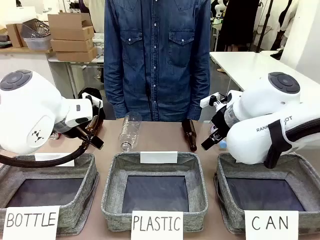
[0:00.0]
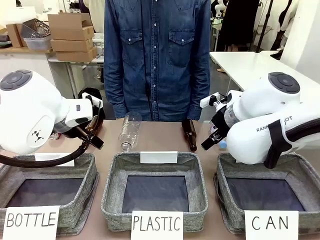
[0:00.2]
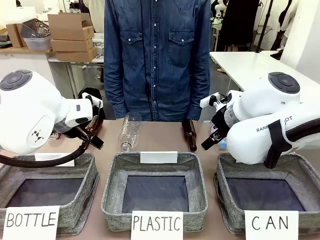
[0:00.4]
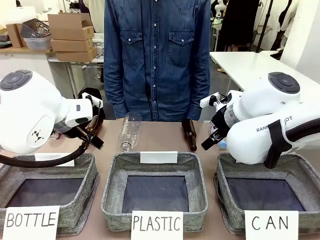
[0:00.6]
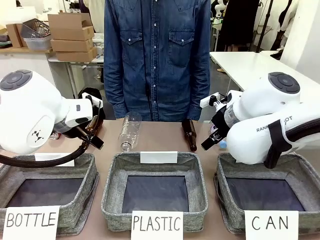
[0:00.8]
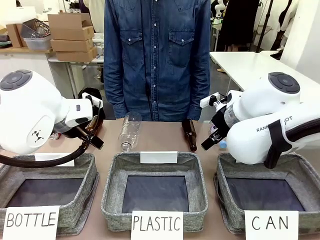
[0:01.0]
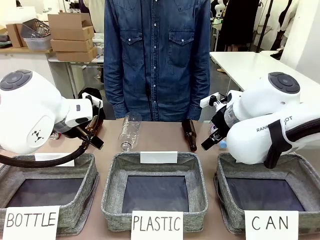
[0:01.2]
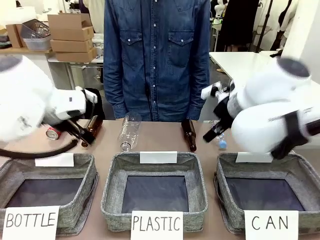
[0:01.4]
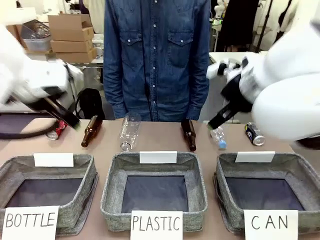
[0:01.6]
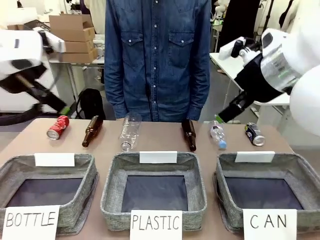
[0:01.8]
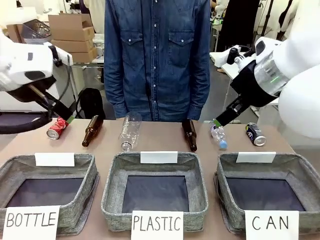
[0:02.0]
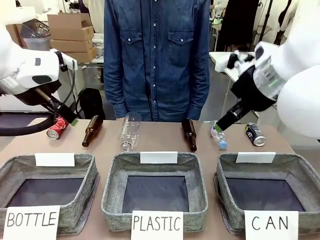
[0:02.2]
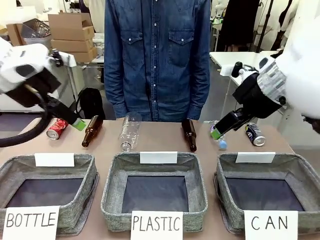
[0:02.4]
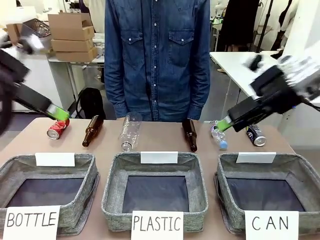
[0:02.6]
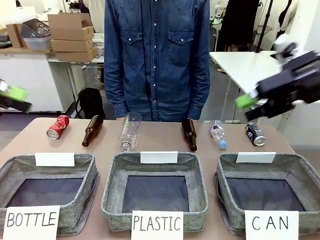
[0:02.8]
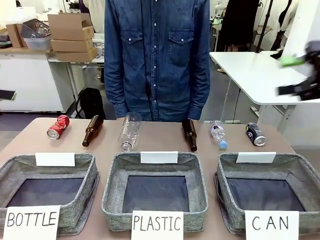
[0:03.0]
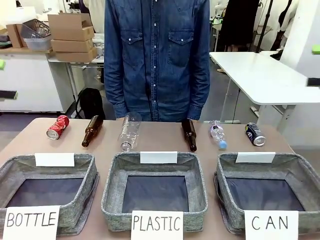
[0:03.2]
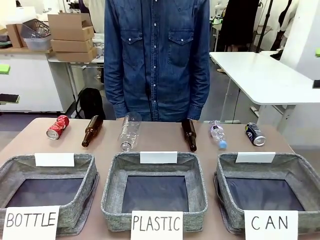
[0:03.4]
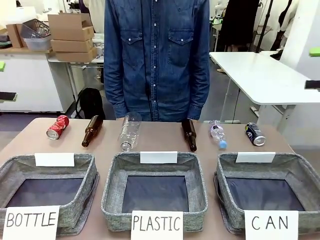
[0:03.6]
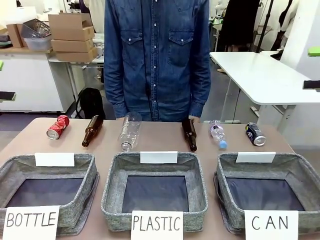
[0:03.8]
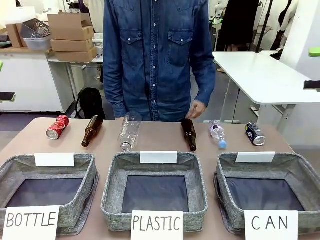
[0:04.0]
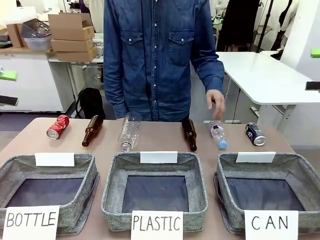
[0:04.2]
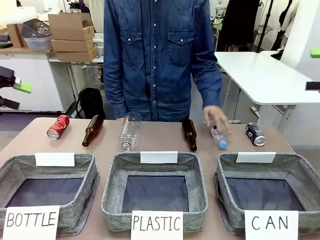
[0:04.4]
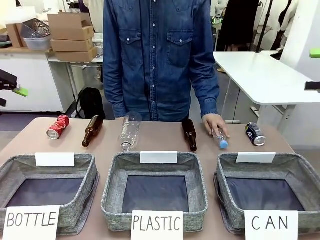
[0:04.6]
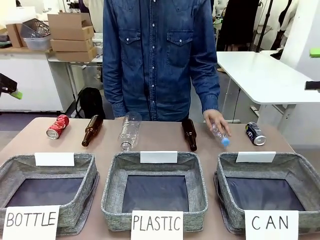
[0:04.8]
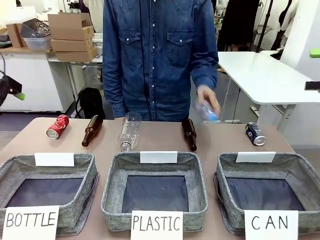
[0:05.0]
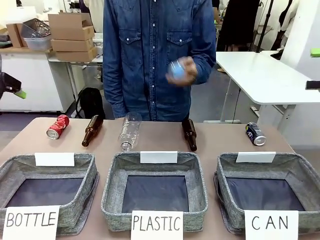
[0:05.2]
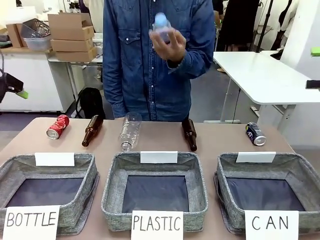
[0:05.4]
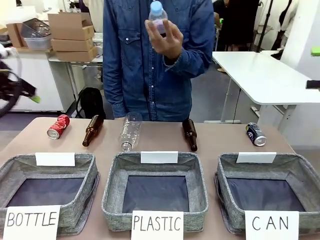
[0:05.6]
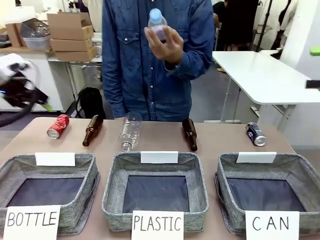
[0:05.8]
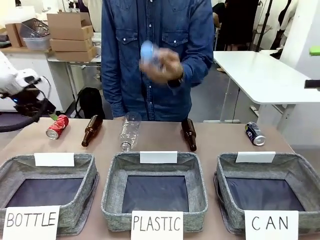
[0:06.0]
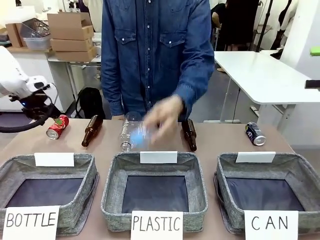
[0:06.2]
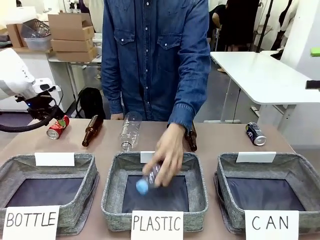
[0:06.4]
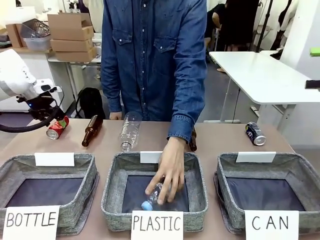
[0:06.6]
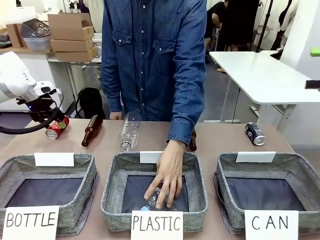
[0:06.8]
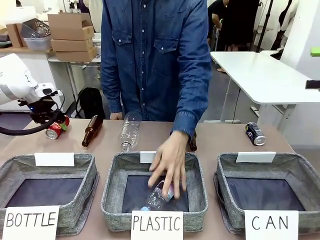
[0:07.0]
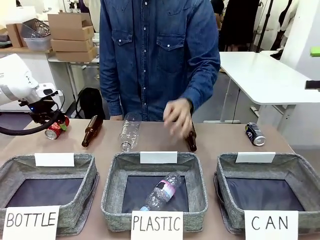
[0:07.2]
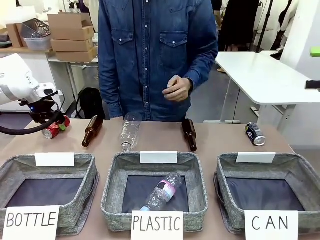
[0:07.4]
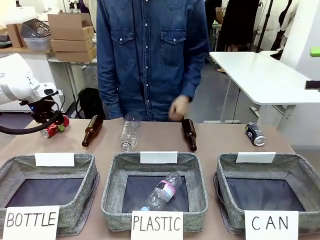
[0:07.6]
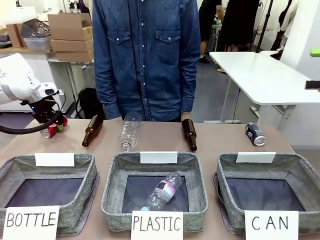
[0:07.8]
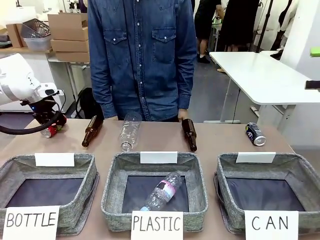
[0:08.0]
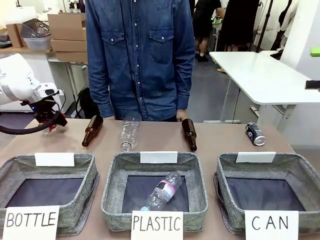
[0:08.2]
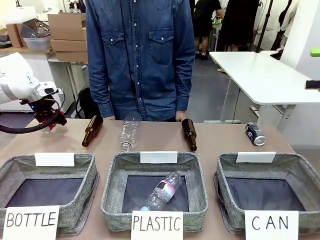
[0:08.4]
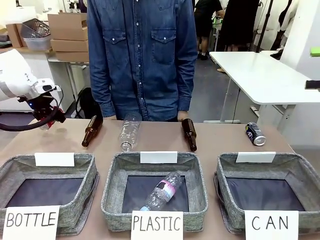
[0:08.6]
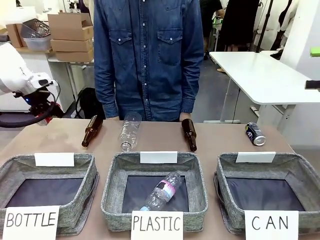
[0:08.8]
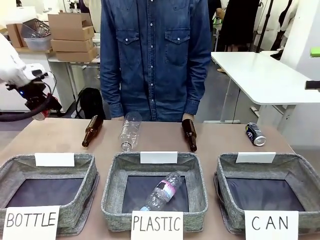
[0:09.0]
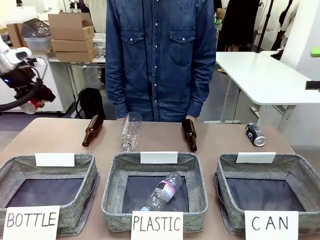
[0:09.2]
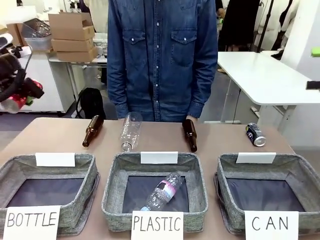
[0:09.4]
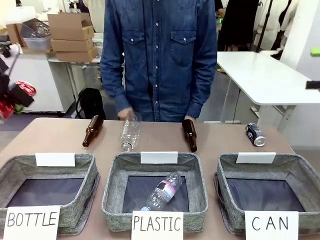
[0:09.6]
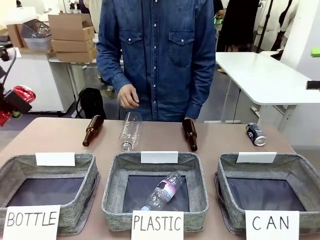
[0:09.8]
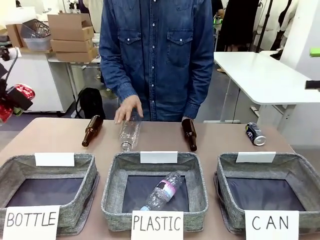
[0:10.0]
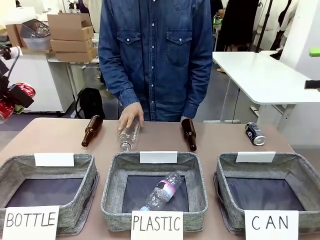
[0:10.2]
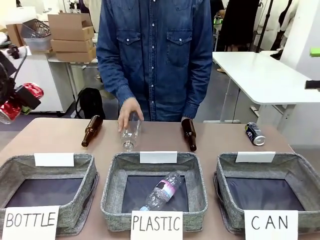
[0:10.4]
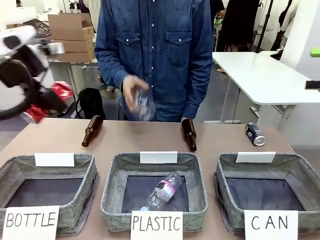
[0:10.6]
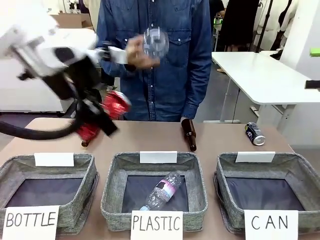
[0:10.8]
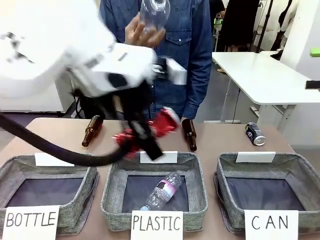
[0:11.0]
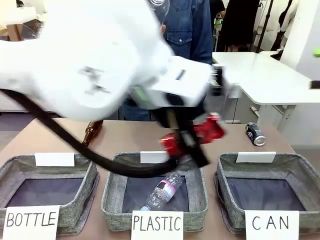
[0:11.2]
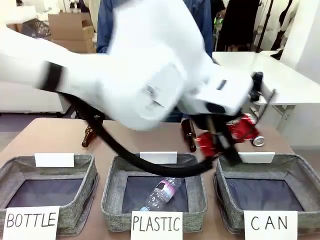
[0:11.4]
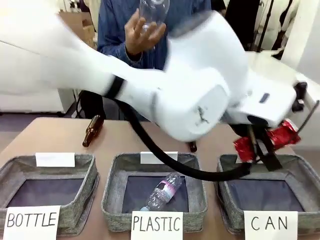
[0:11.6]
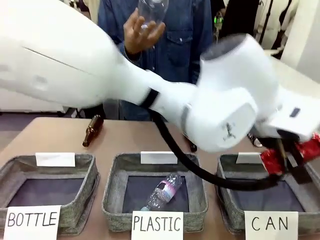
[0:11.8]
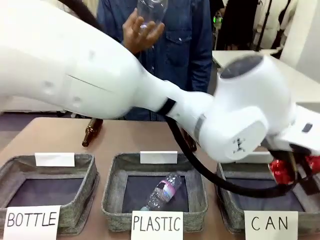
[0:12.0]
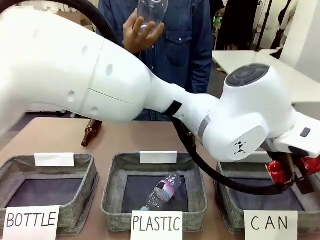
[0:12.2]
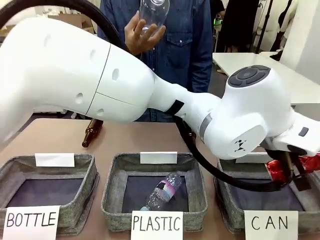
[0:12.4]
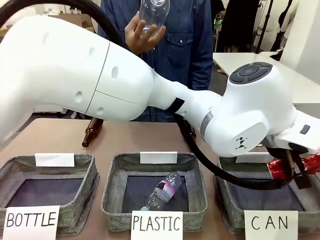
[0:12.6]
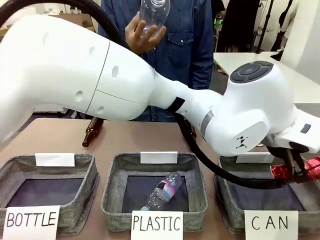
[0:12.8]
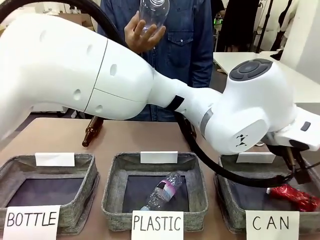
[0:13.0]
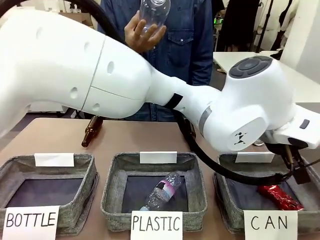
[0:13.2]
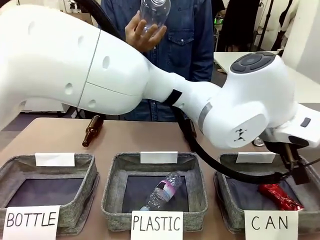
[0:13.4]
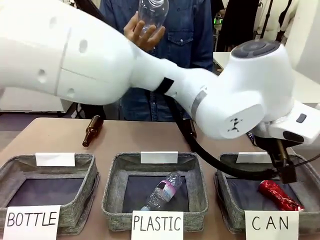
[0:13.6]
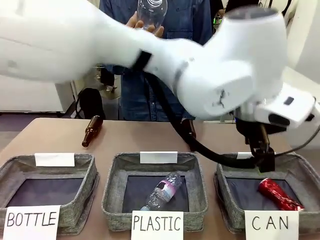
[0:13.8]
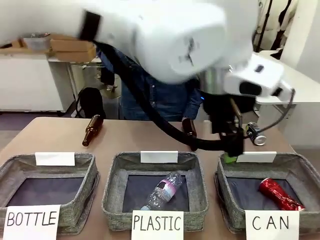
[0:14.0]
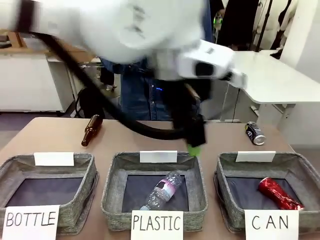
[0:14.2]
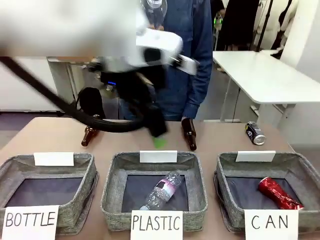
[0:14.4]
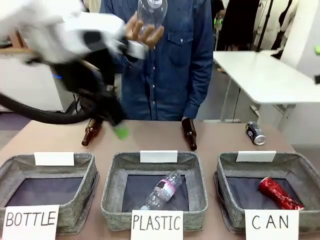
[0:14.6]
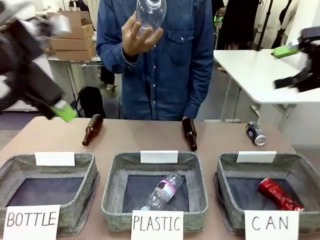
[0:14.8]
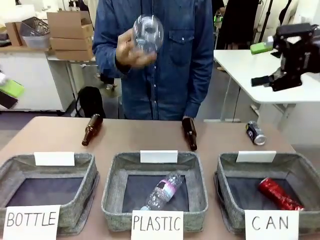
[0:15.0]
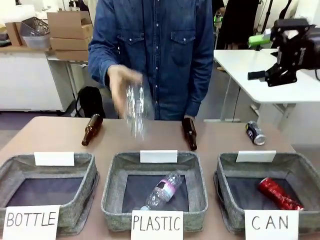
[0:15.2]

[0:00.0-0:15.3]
Task: Sort the can waste into the basket.
Robot: Pick up the can waste from the table and place it in the right Fabric basket.
